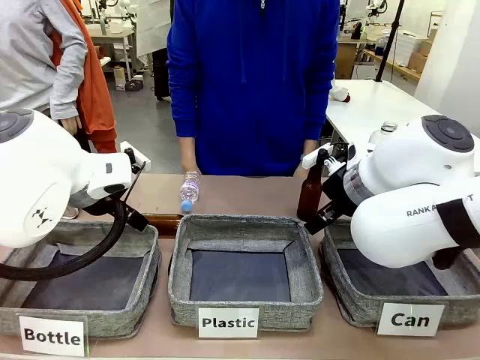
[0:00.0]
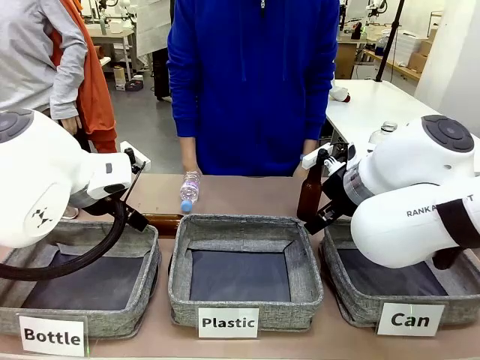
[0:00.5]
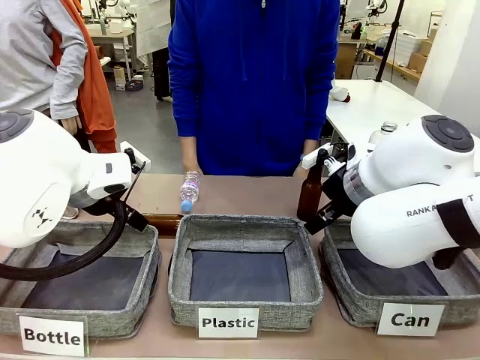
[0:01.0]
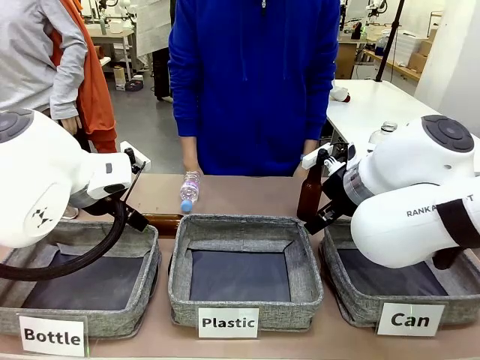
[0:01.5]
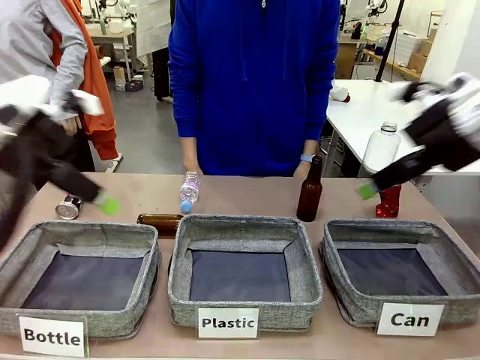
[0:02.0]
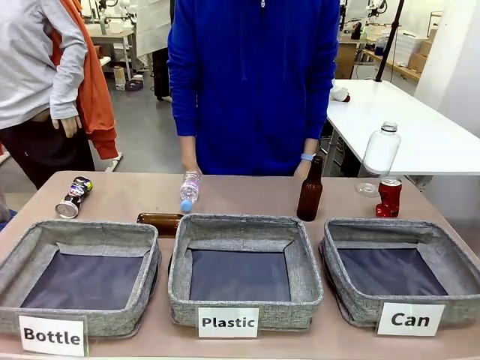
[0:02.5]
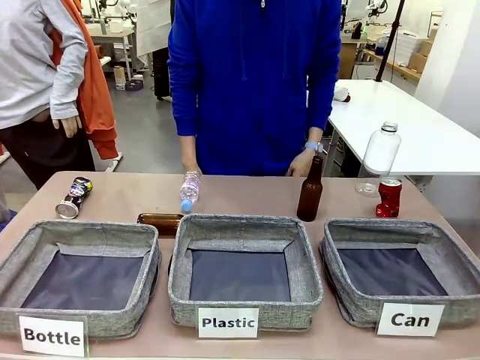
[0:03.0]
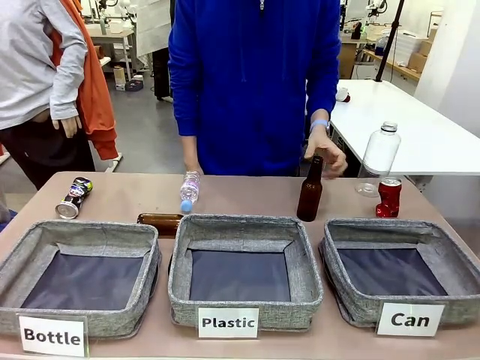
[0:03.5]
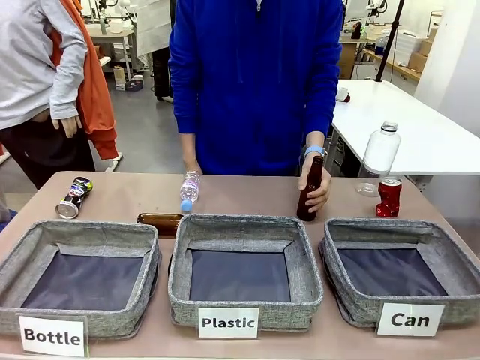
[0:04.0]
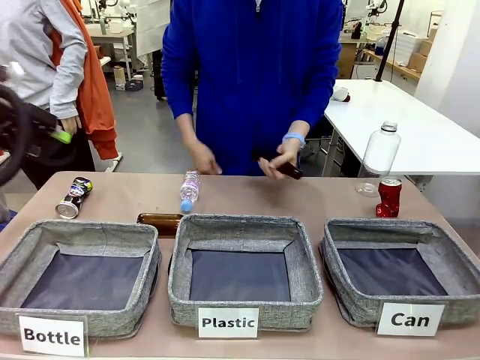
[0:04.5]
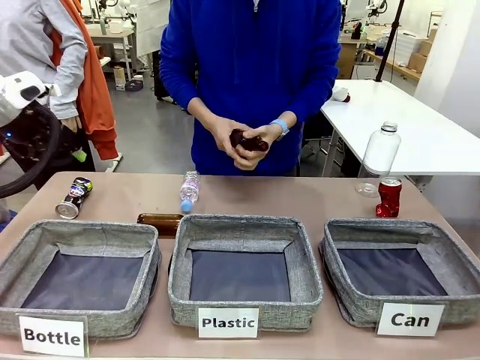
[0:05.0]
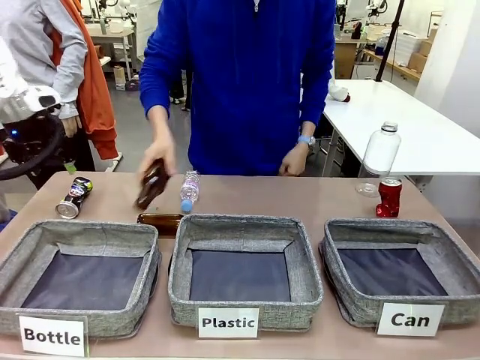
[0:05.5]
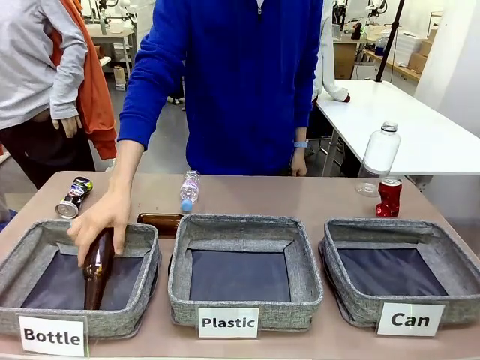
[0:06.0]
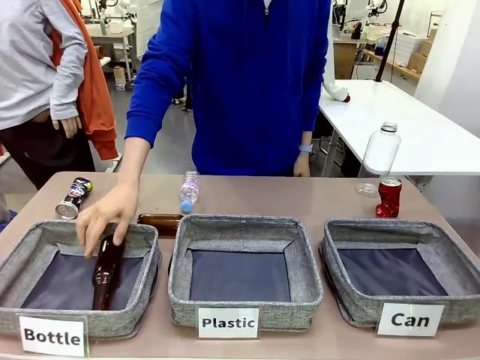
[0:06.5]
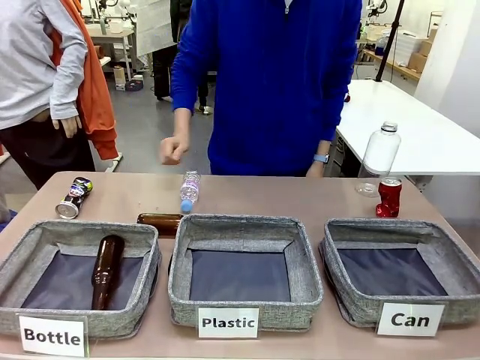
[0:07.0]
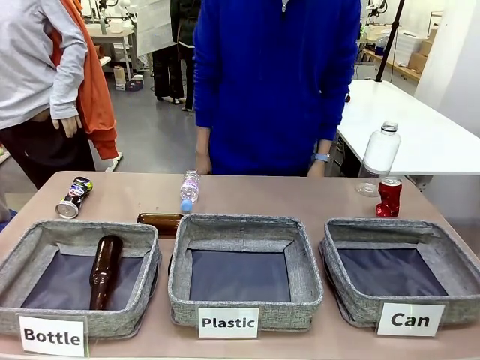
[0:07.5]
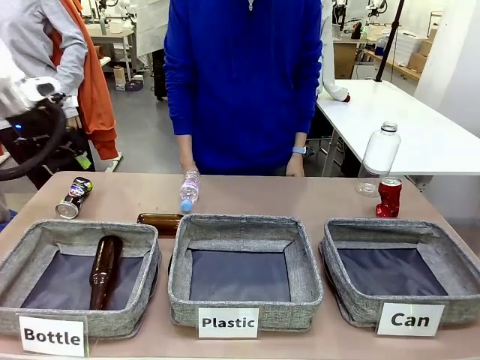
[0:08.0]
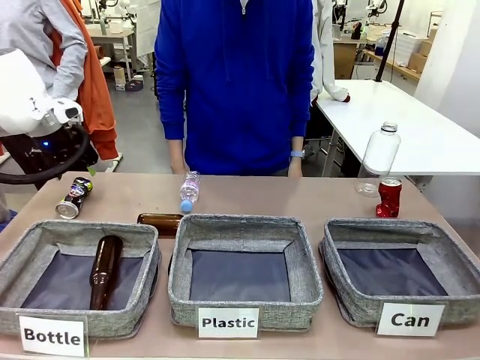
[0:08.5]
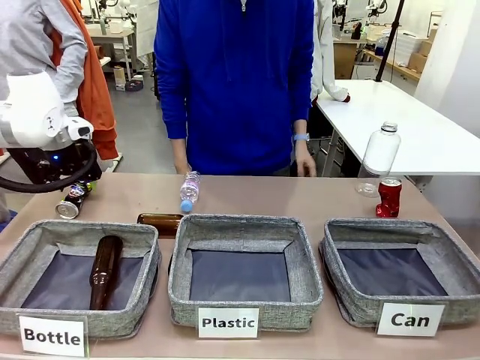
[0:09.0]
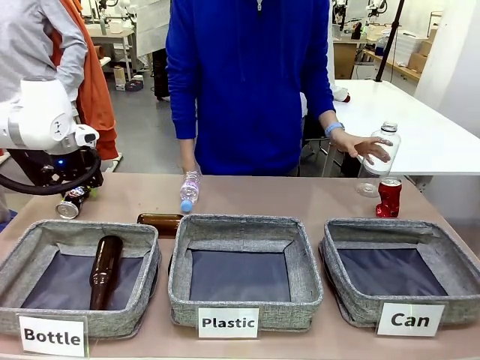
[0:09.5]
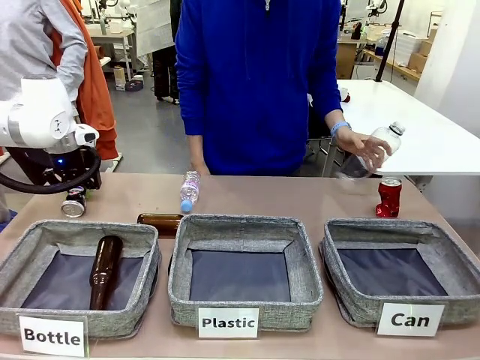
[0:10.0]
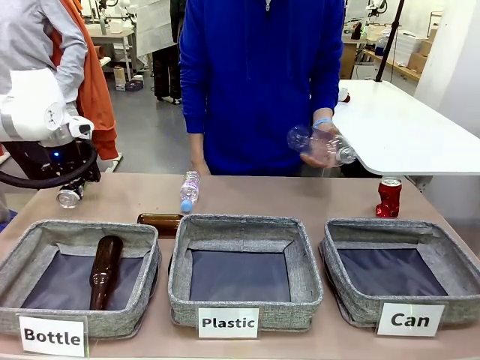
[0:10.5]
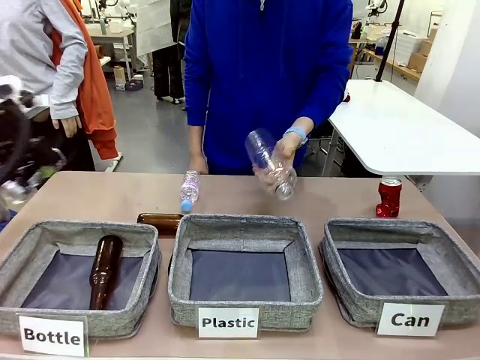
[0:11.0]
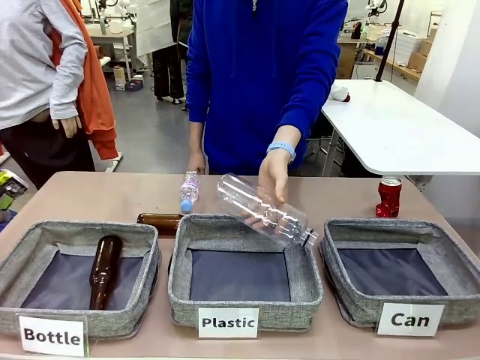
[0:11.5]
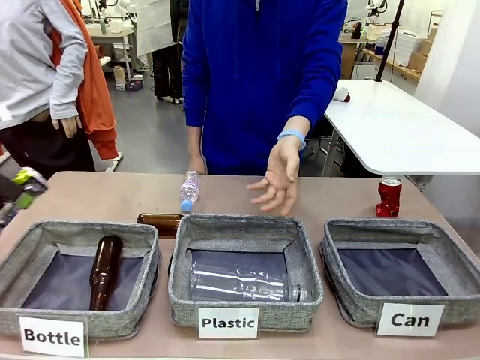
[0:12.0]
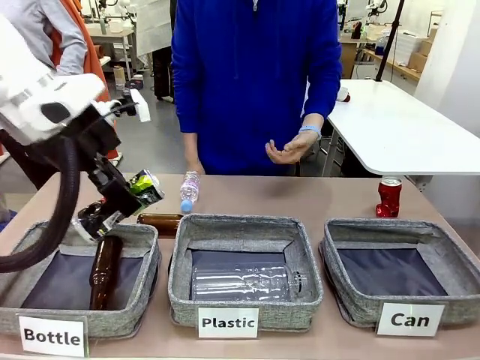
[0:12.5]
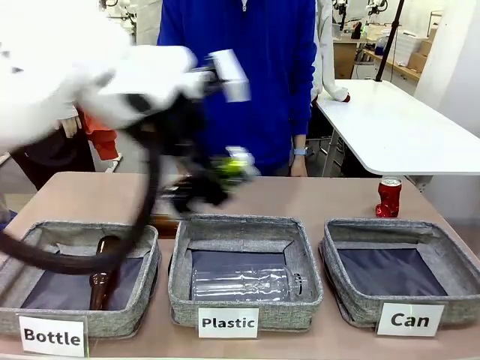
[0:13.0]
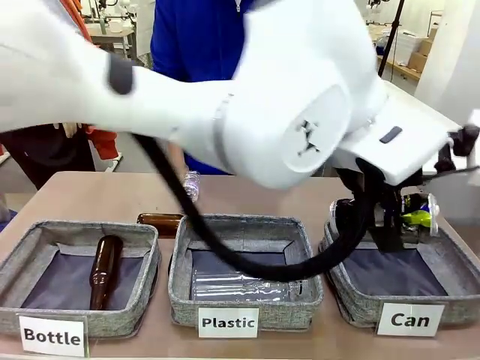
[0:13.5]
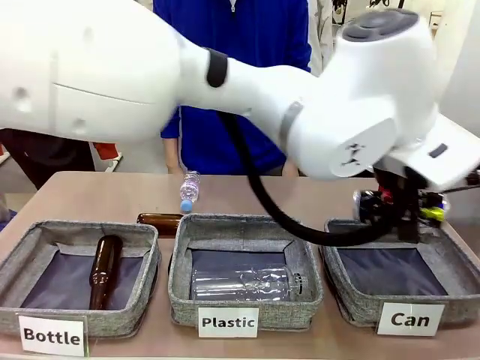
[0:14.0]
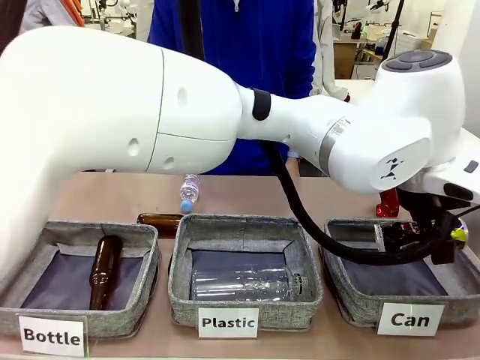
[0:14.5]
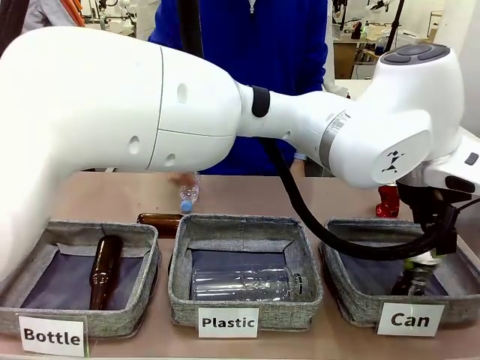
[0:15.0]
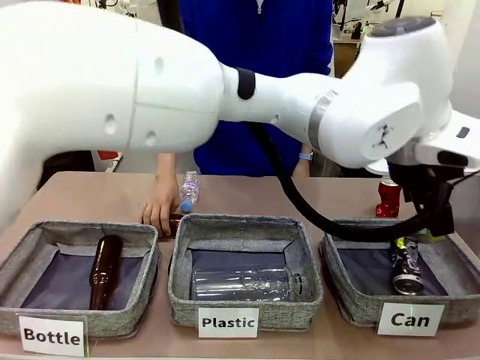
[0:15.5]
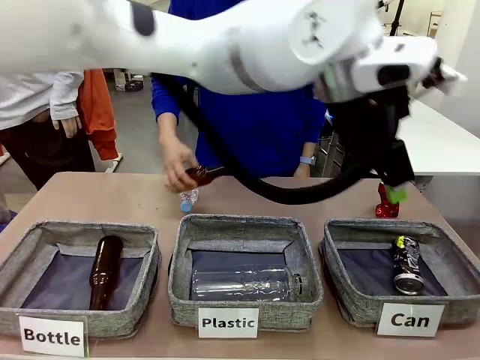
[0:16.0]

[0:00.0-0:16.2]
Task: Sort the can waste into the basket.
Robot: Pick up the can waste from the table and place it in the right Fabric basket.

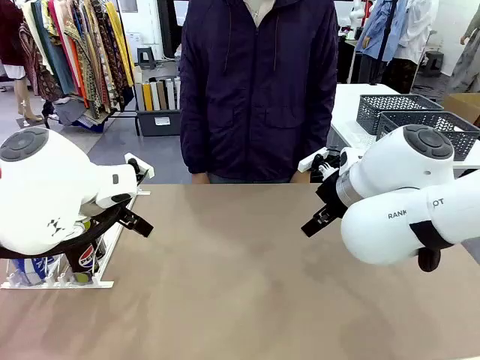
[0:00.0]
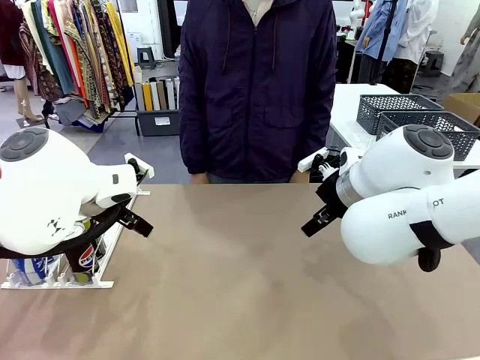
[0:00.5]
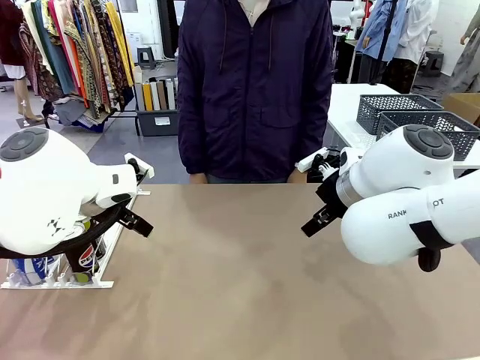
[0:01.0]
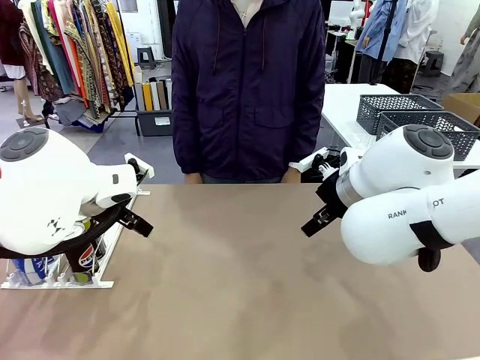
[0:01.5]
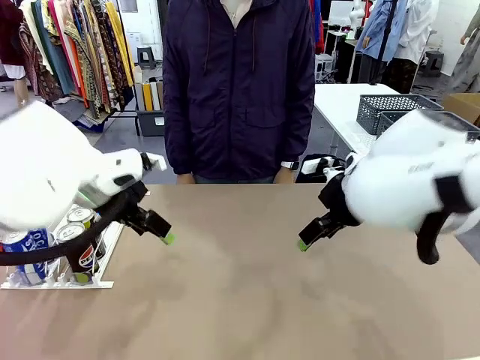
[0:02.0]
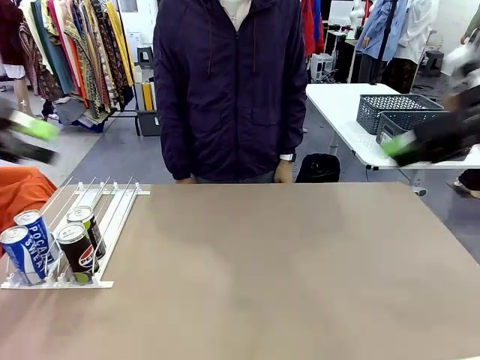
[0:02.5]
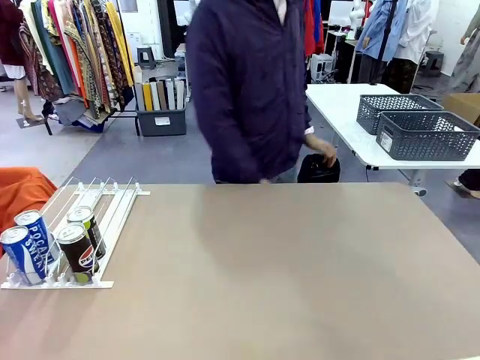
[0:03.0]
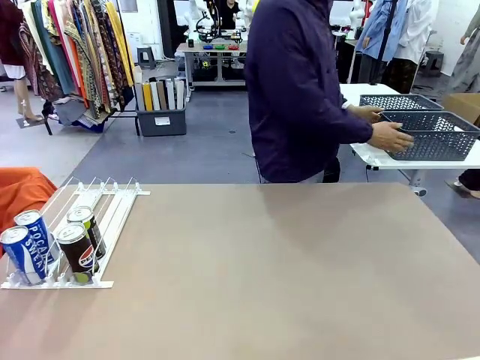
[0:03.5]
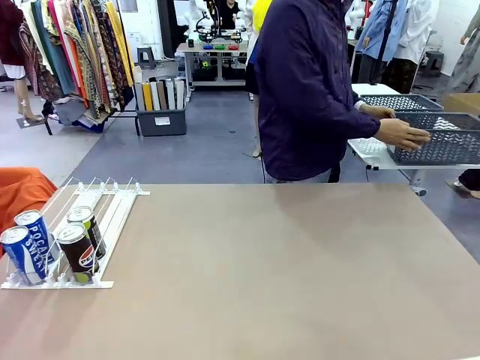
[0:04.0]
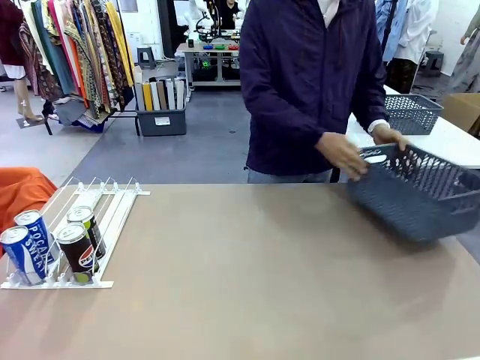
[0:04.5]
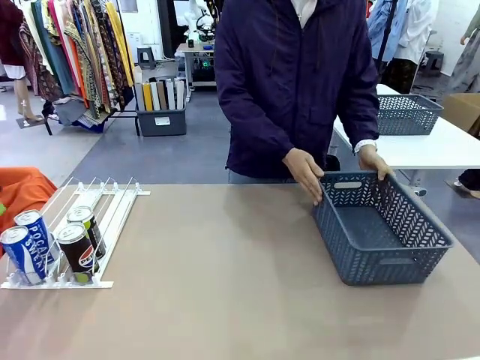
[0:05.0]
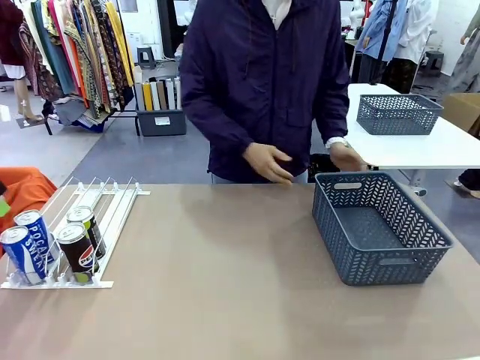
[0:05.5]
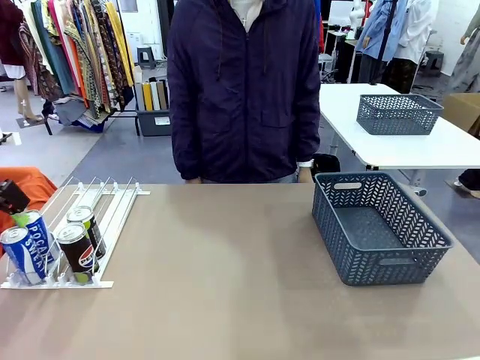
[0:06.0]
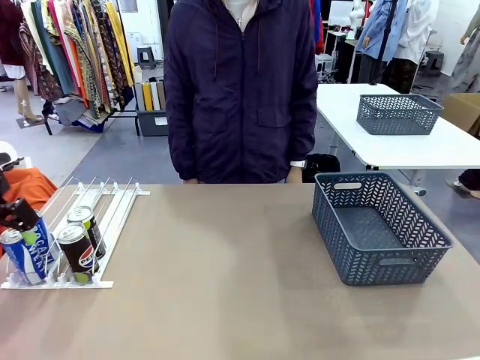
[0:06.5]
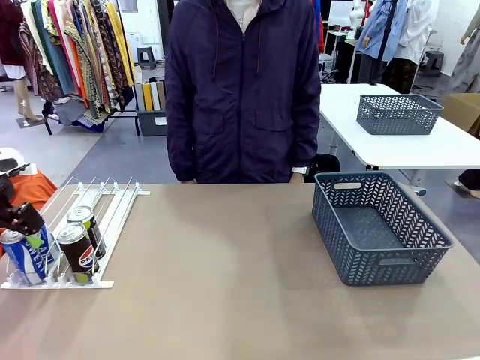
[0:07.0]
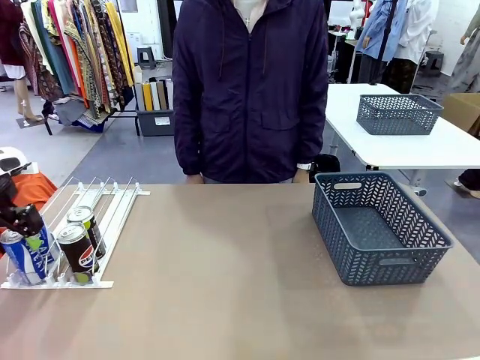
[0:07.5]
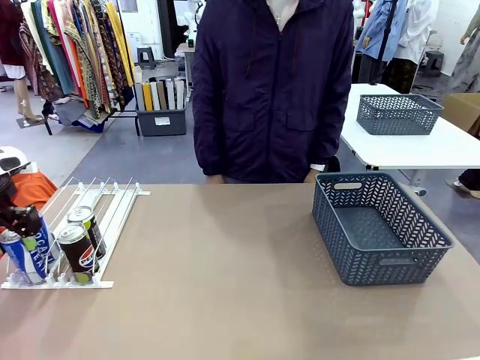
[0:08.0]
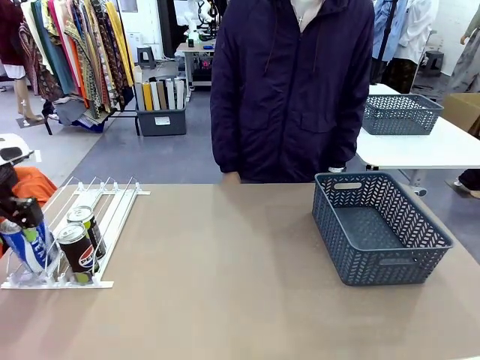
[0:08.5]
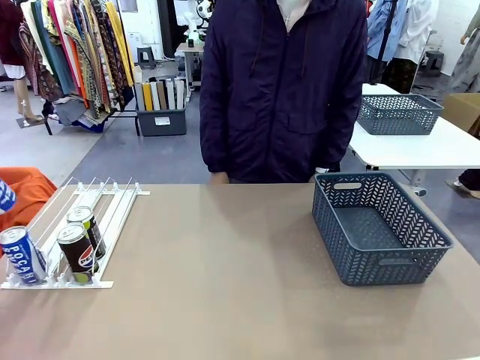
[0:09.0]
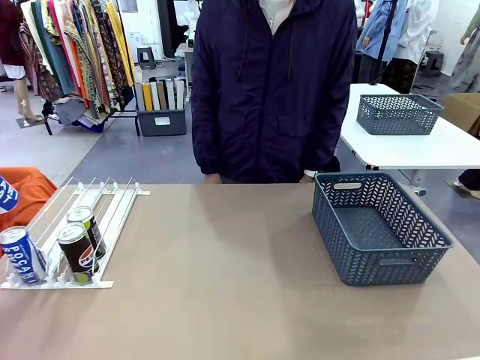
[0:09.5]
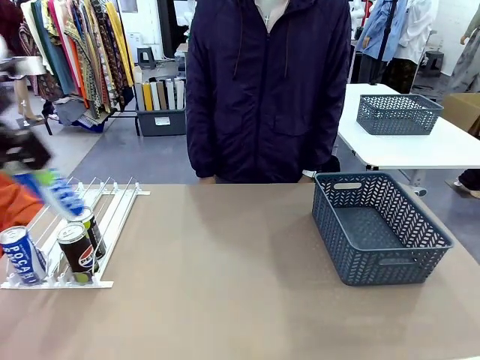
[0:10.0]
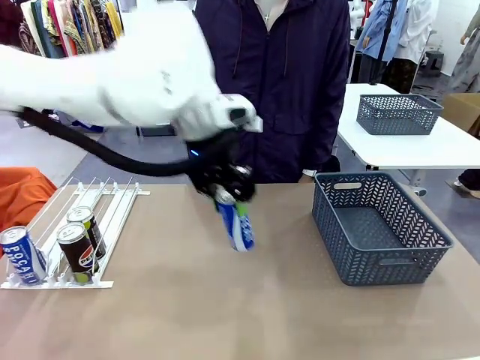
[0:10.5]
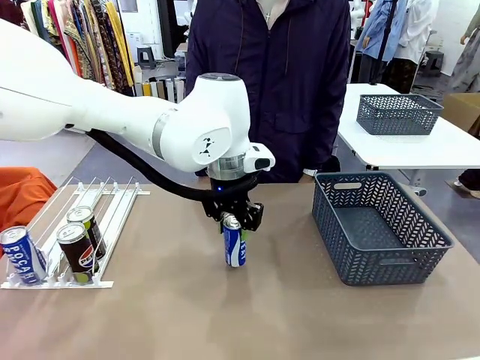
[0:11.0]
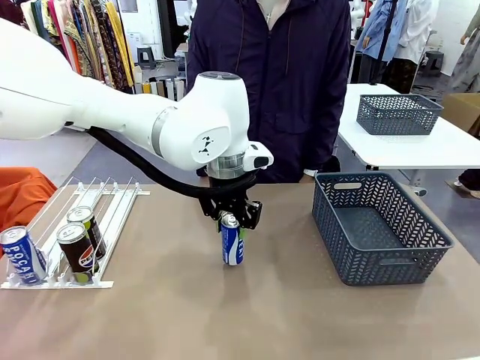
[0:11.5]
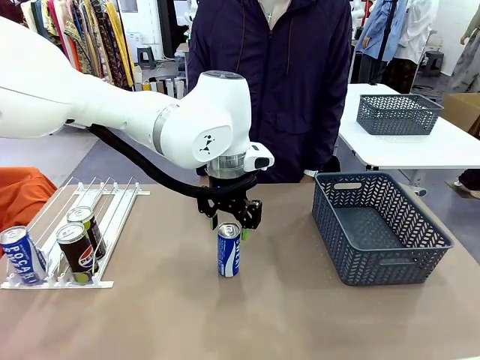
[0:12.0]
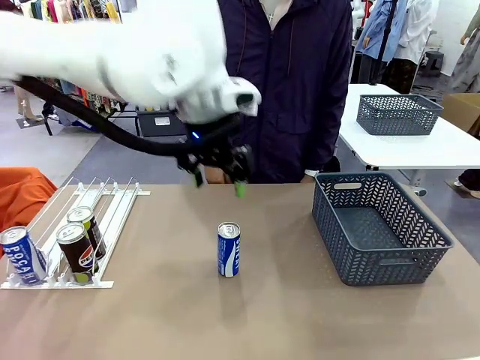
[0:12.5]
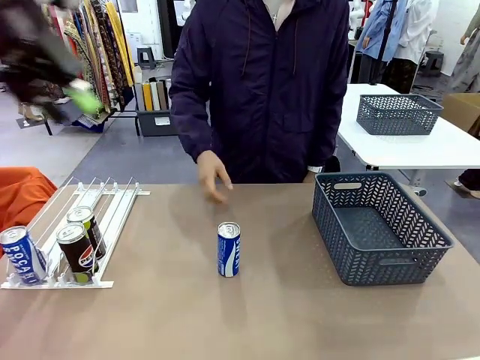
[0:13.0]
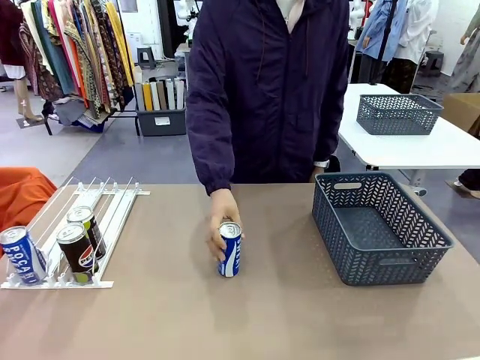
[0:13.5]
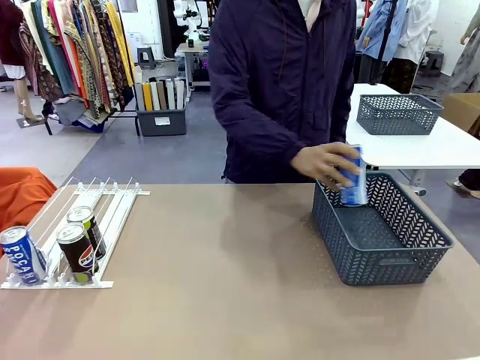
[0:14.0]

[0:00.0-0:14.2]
Task: Retrieve and store the cans from the dispenser.
Robot: Pick up one can from the Automatic Can Dispenser and place it in the middle of the table.
Person: Pick up the basket and place it on the left side of the robot table.
